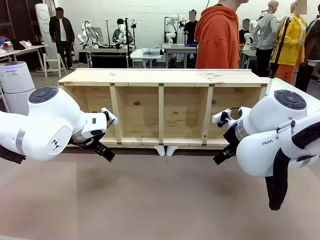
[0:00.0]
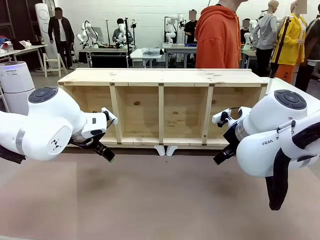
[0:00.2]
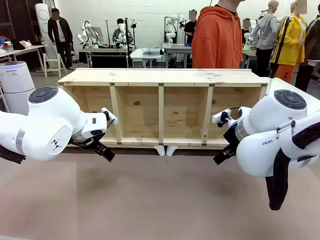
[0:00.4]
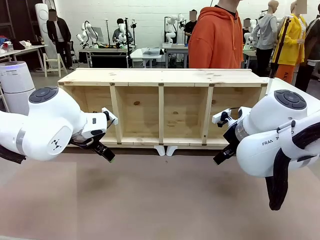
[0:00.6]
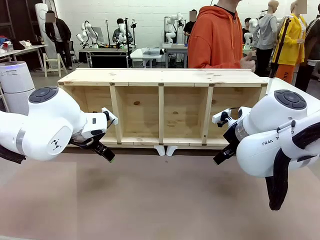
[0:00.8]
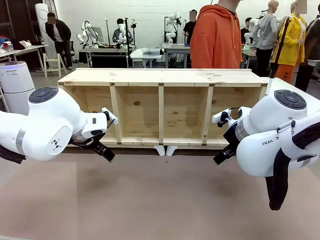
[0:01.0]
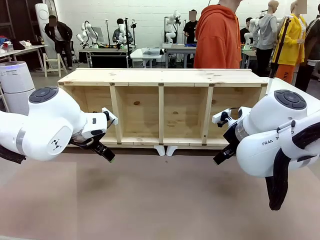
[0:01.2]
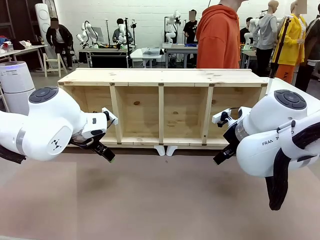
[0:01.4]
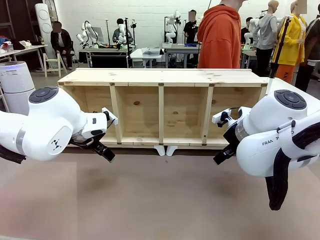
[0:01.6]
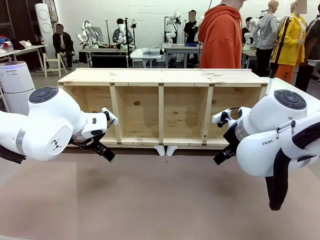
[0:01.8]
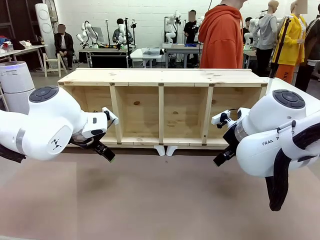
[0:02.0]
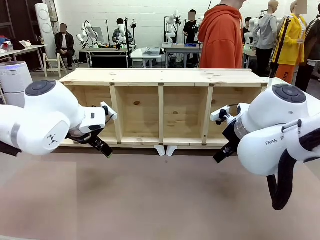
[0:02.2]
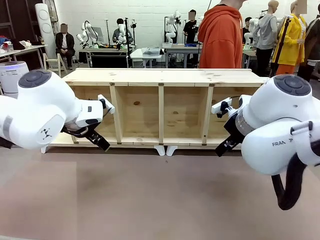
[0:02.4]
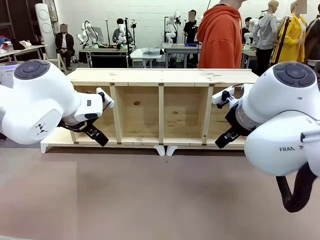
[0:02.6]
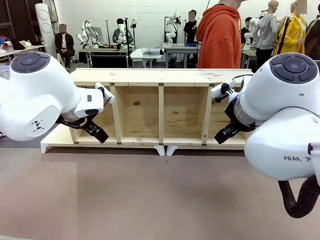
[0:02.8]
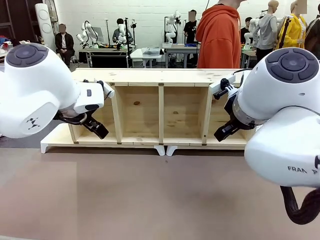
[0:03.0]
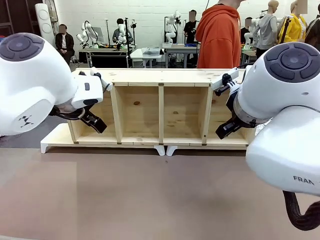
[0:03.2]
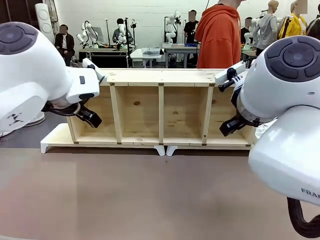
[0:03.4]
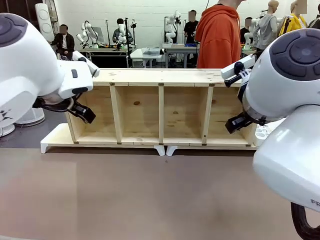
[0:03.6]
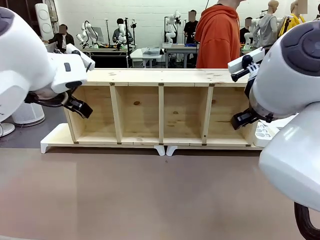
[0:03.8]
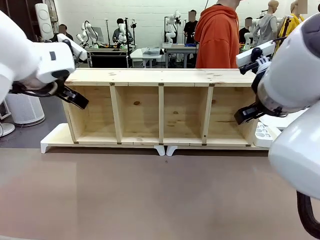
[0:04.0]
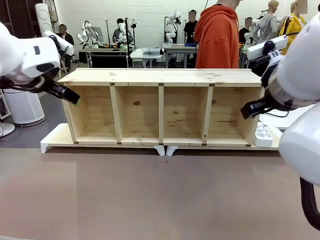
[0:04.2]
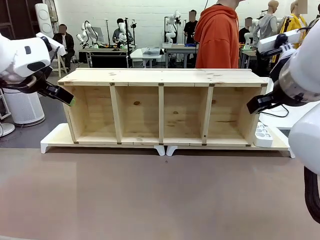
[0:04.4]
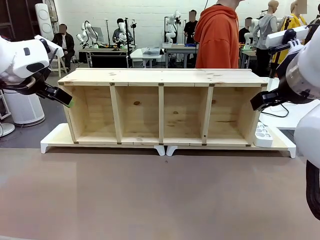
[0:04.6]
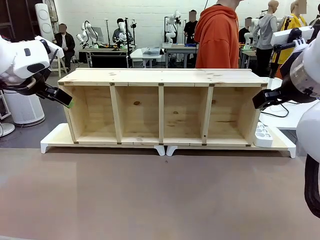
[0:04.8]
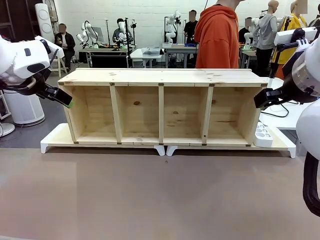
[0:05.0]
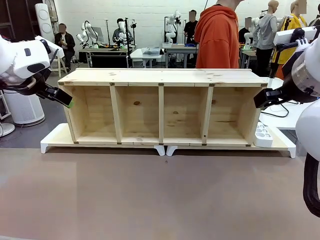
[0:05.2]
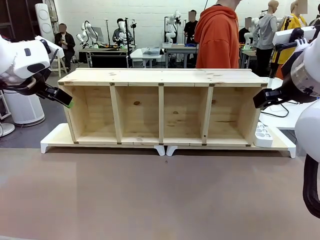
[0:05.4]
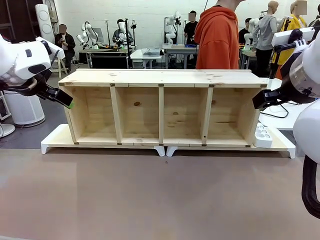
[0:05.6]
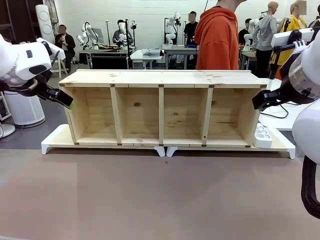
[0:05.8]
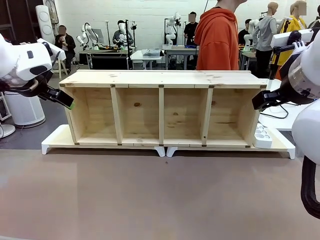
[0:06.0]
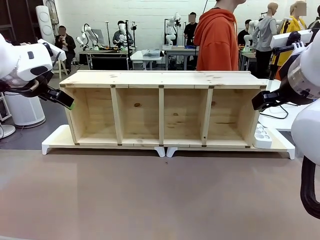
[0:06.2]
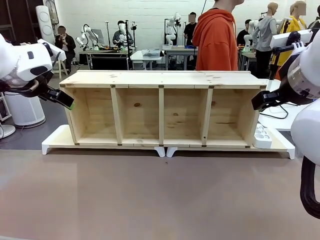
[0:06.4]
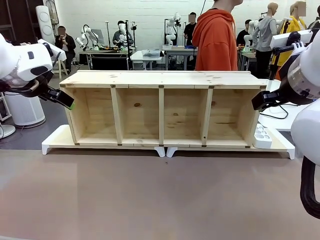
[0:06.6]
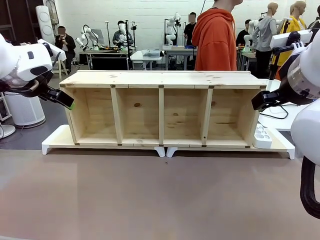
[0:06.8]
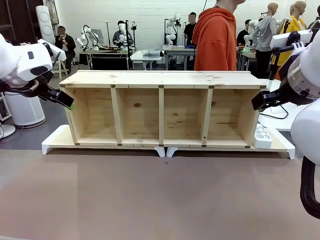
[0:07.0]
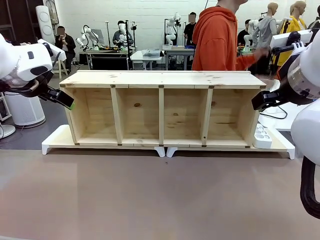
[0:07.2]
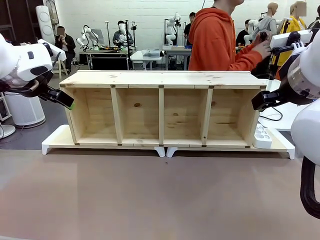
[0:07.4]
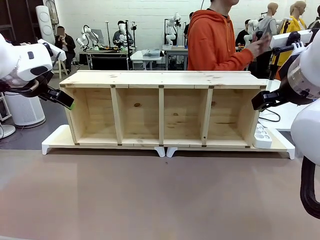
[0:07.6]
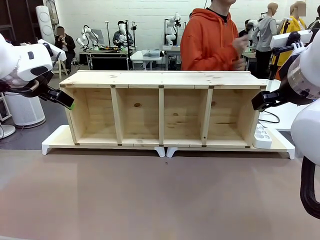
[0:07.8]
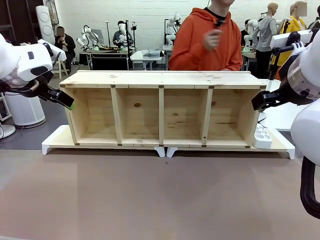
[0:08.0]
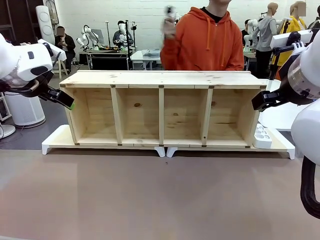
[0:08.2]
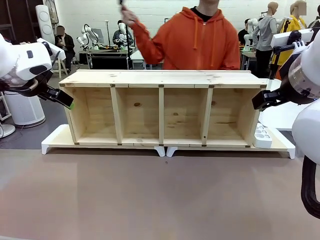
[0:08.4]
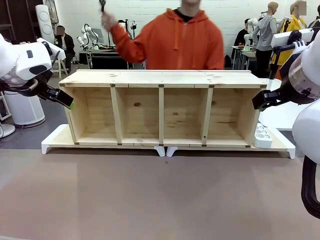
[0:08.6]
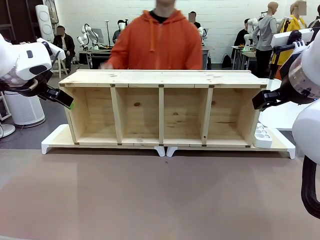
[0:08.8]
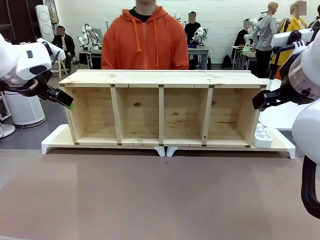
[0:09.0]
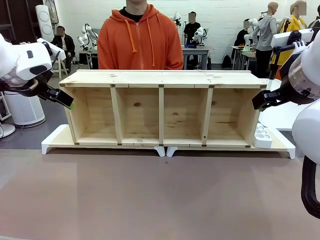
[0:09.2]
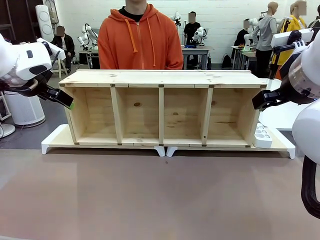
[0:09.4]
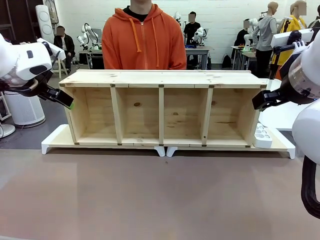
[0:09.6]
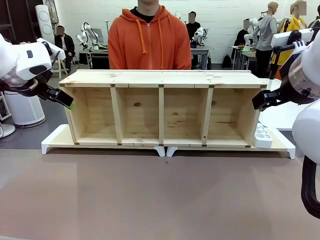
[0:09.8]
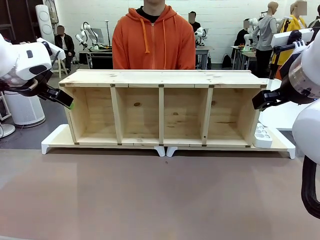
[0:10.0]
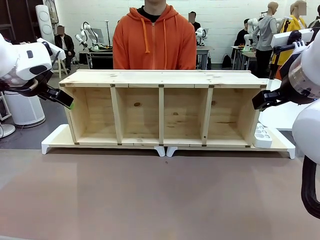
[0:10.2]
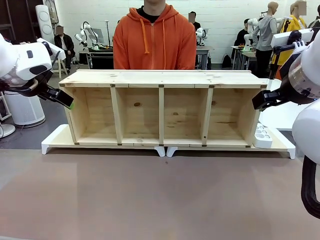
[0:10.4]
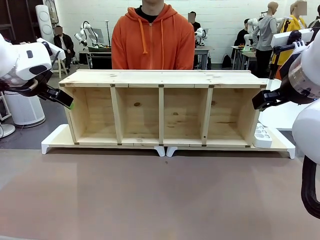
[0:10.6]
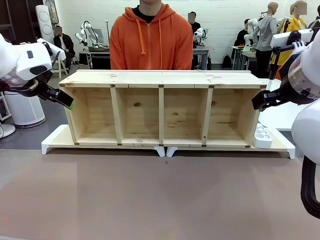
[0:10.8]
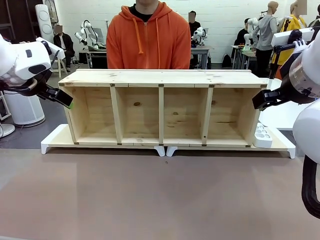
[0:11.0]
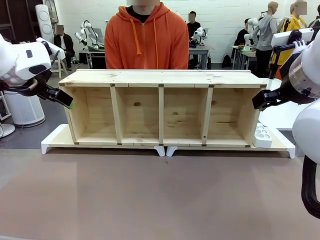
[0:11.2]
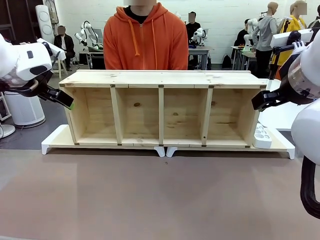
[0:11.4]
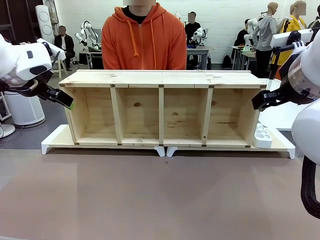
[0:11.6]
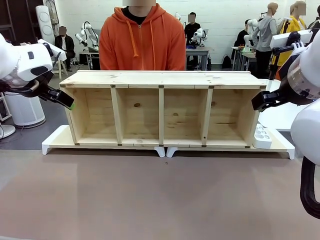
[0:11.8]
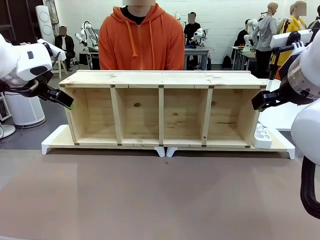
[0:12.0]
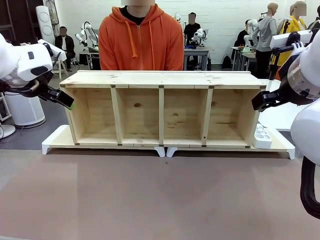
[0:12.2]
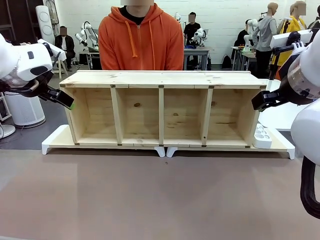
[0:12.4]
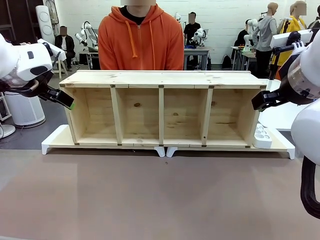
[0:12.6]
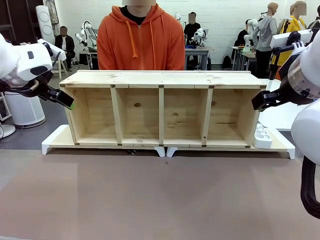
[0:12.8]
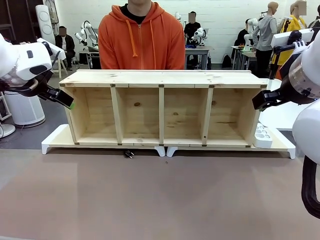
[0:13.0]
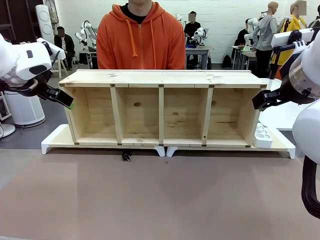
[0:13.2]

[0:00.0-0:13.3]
Task: Perform cable management.
Robot: When the cord part of the Power Cable appears at the lower middle area of the table and stops, grasp the cord part of the Power Cable.
Person: Pass the Power Cable under the Serving Table.
